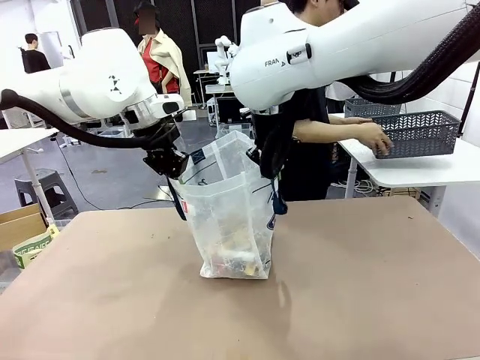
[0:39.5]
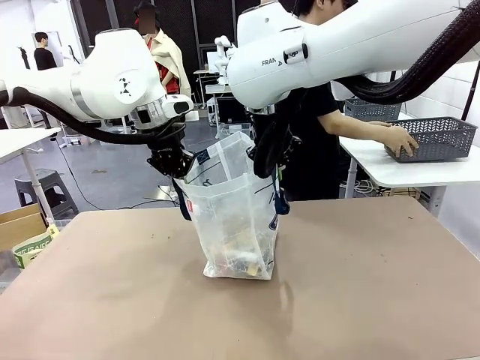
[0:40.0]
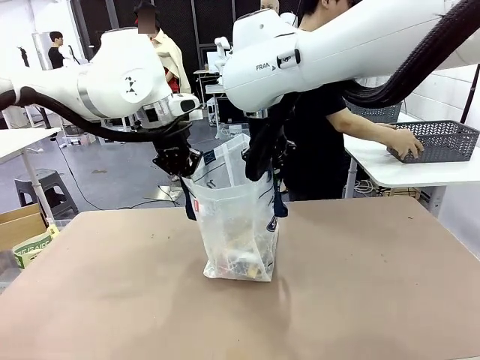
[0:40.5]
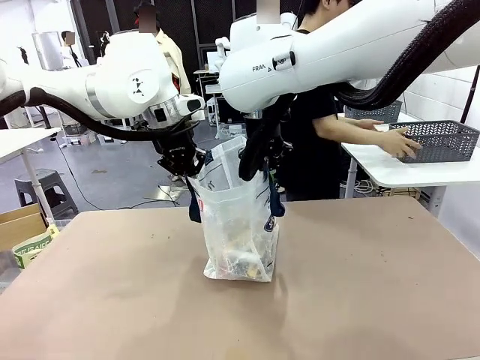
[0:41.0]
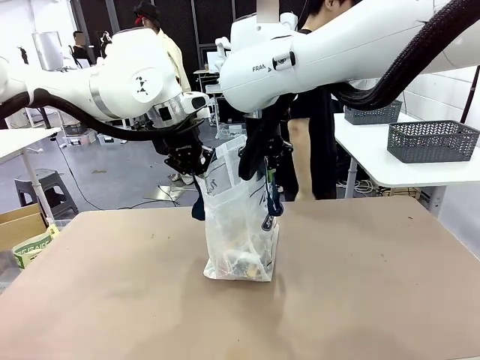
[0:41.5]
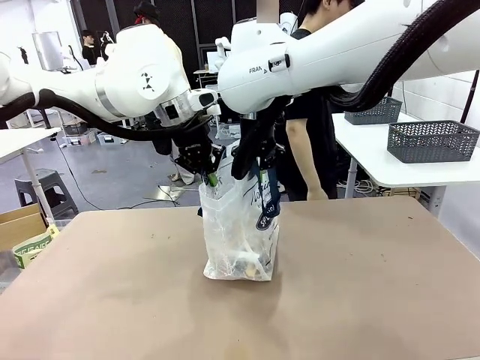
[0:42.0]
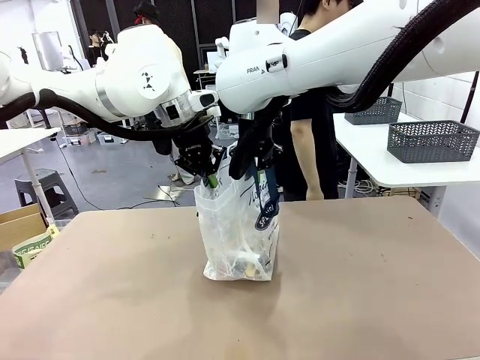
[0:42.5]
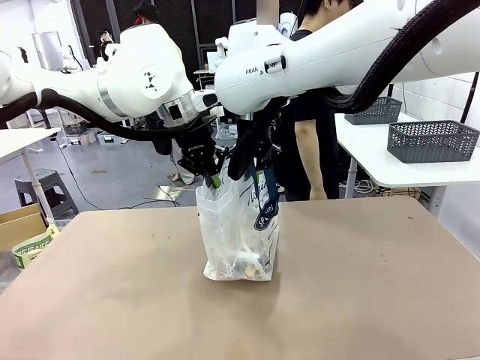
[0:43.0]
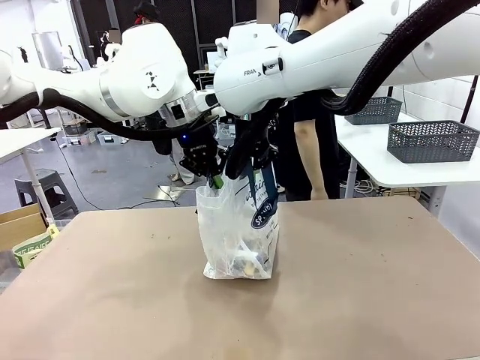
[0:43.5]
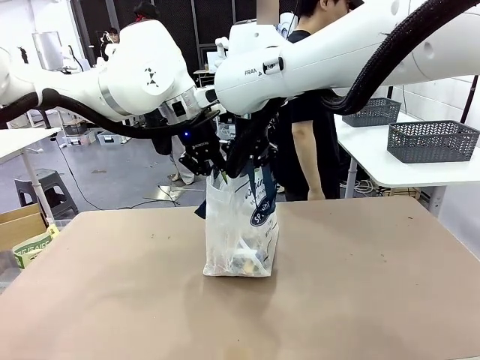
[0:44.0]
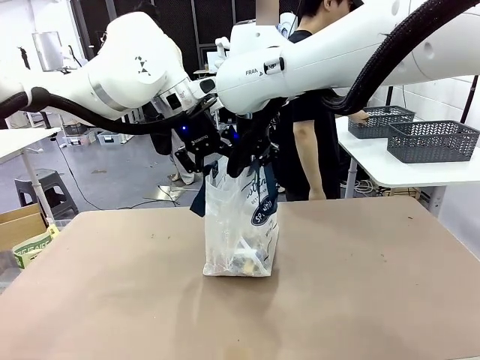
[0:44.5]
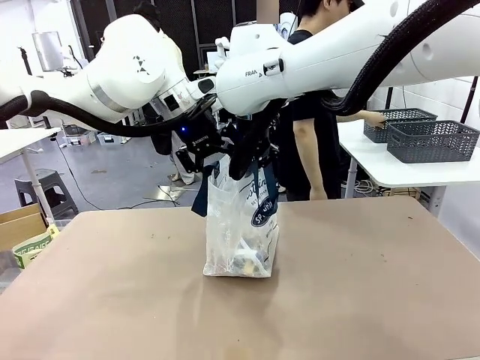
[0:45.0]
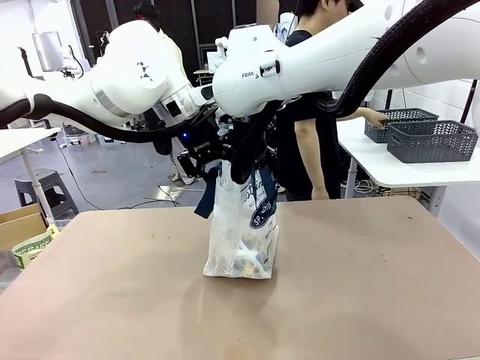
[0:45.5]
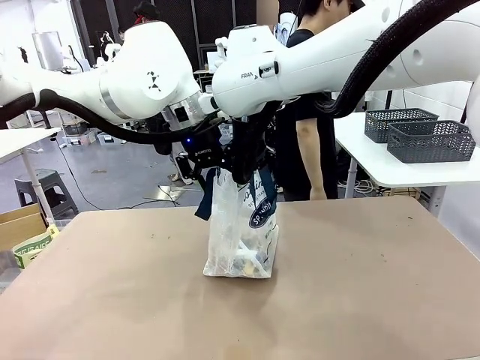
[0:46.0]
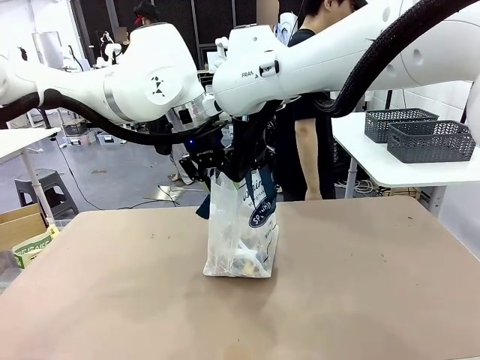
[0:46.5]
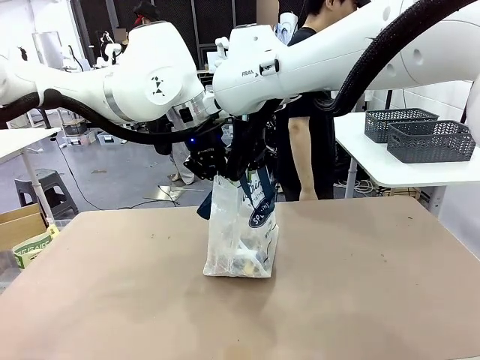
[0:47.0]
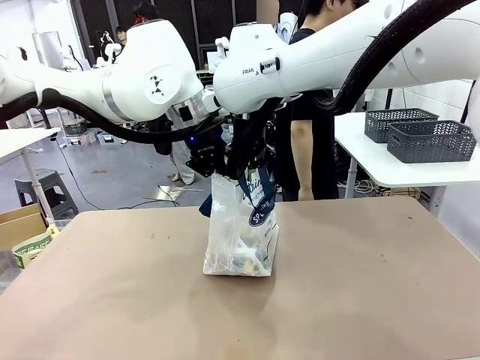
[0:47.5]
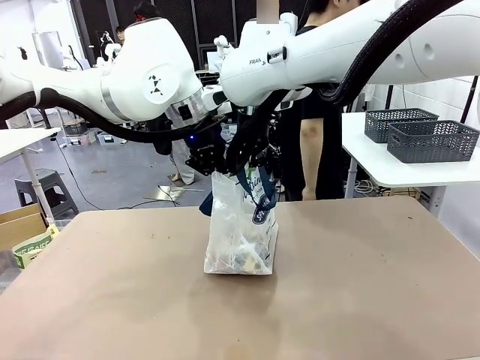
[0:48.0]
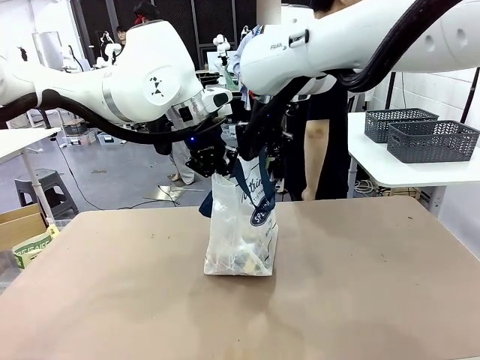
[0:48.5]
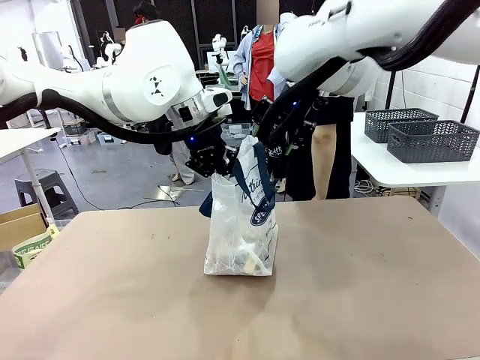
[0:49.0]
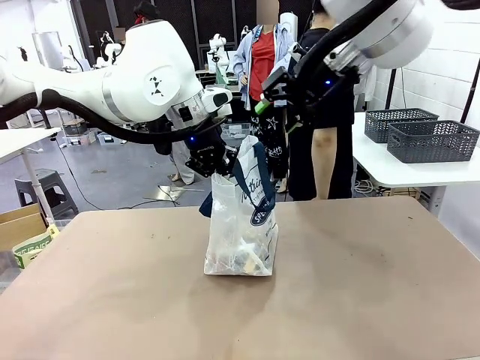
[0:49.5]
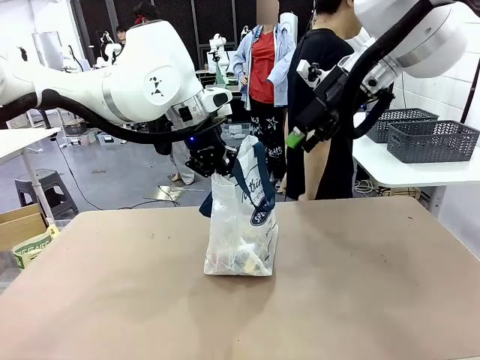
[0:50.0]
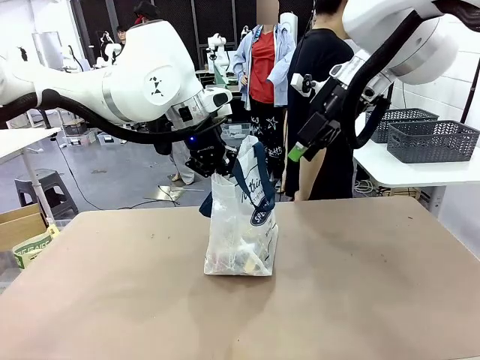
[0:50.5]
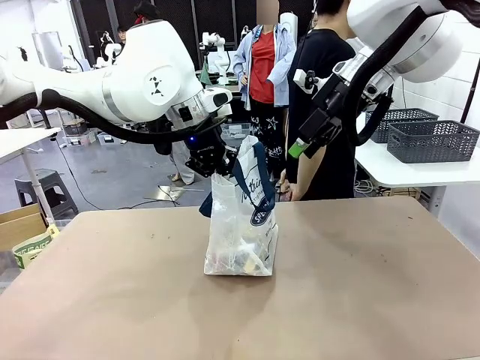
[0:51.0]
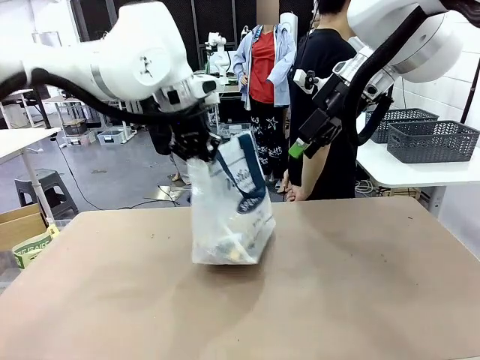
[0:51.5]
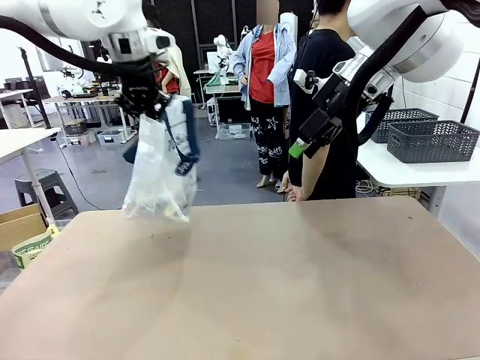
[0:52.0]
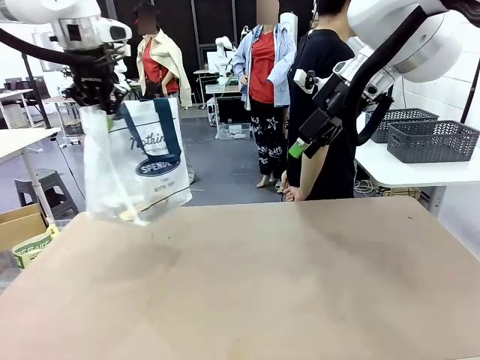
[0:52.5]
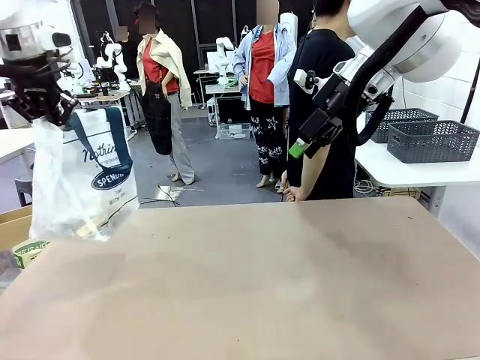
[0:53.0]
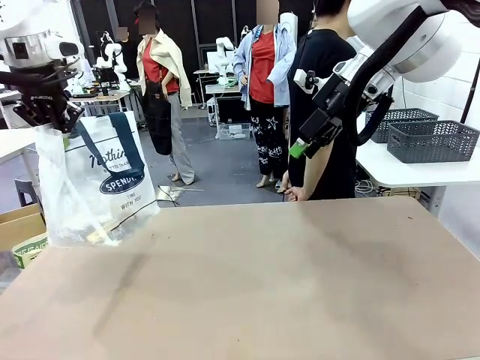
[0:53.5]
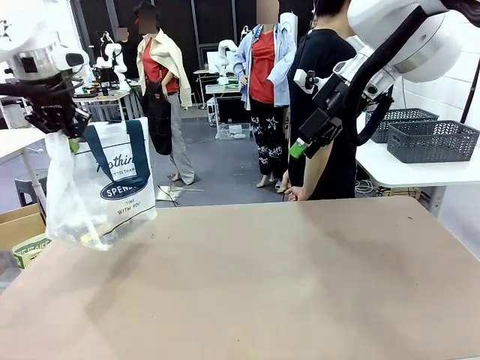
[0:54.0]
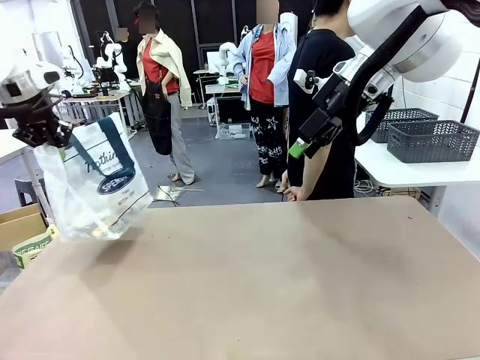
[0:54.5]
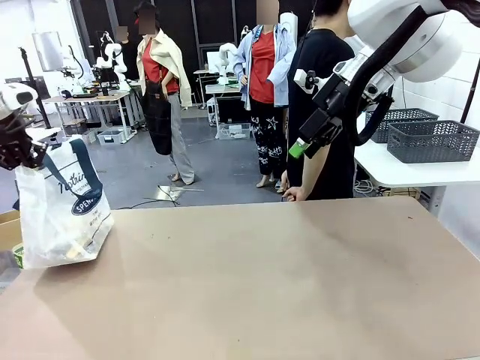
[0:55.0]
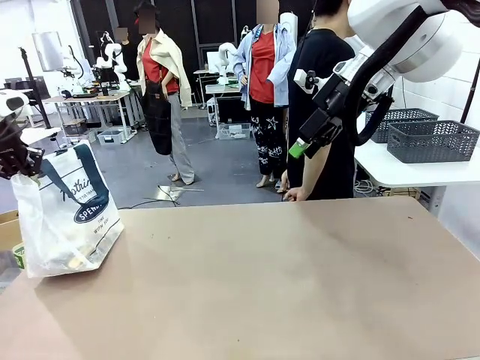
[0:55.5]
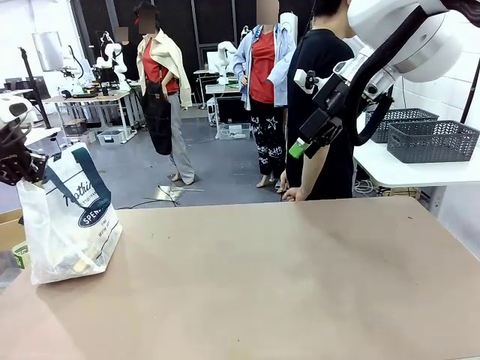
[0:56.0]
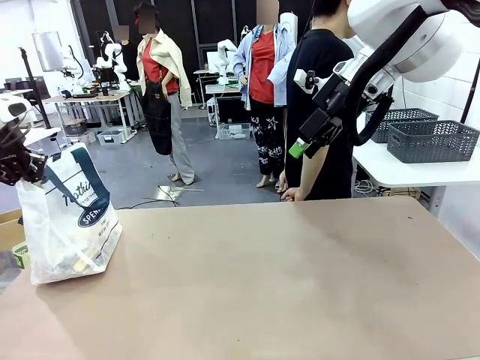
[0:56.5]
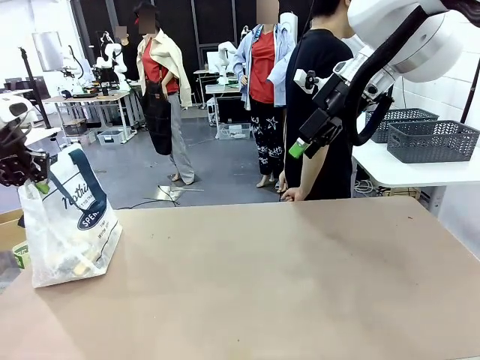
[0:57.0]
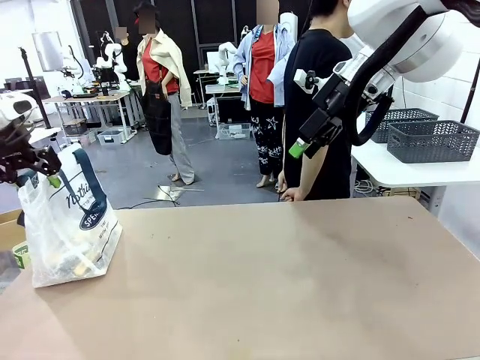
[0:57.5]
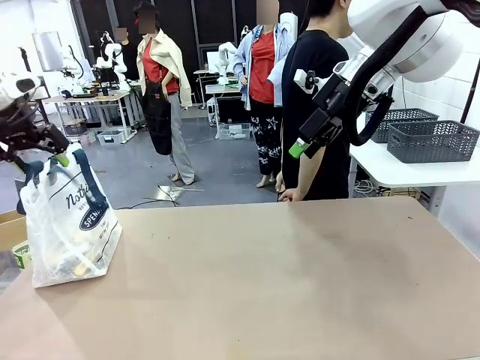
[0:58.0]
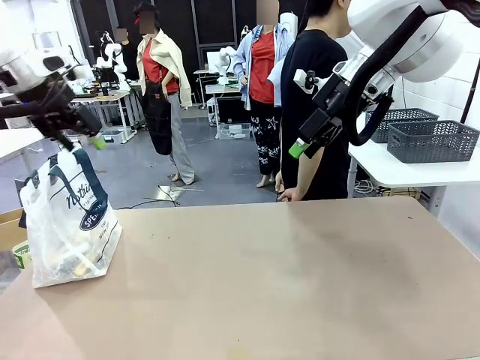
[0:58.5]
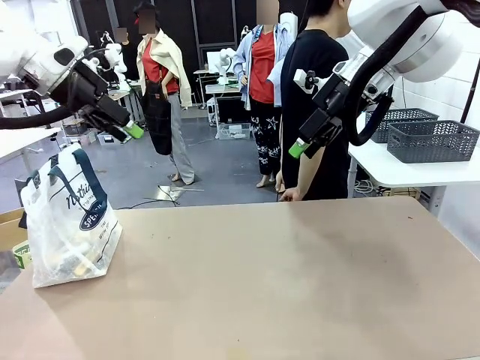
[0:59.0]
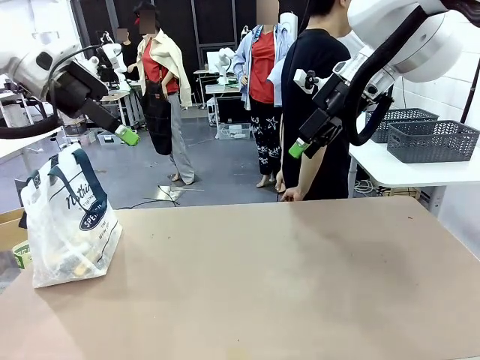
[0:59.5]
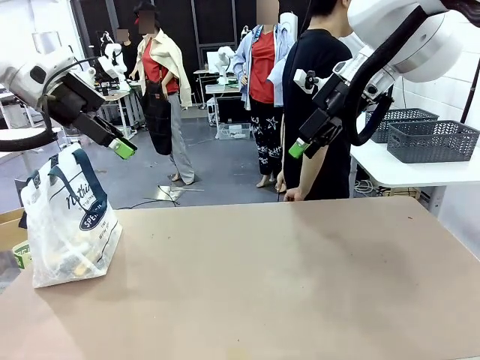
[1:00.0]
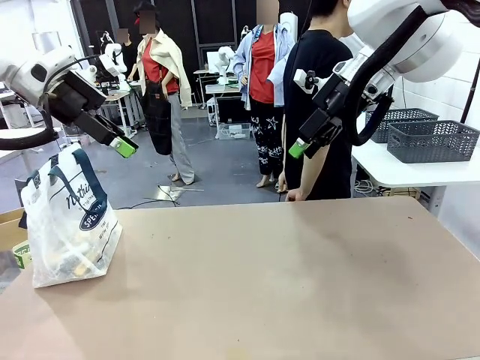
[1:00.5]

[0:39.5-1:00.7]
Task: Transfer purchased items from the store into the shopping bag.
Robot: Move the Reusable shopping bag to the right side of the table.
Person: Move the basket on the left to the middle of the person's table.
